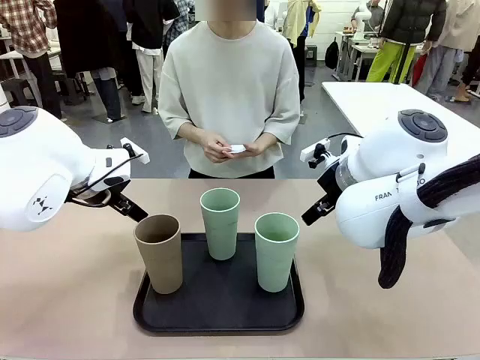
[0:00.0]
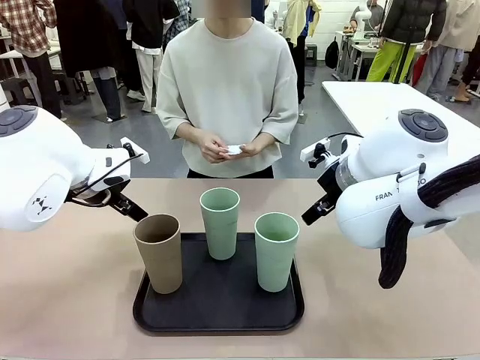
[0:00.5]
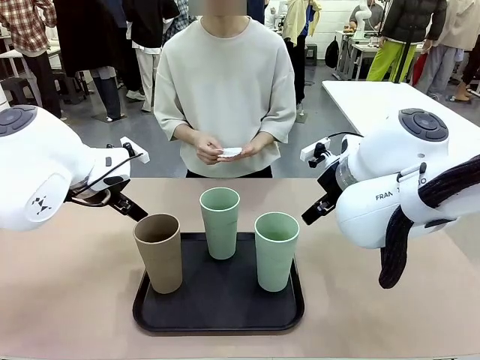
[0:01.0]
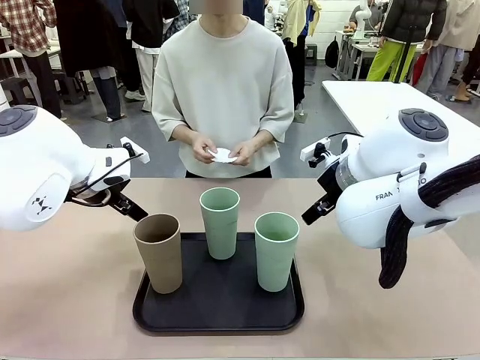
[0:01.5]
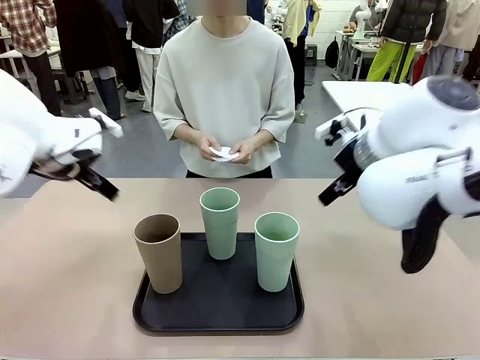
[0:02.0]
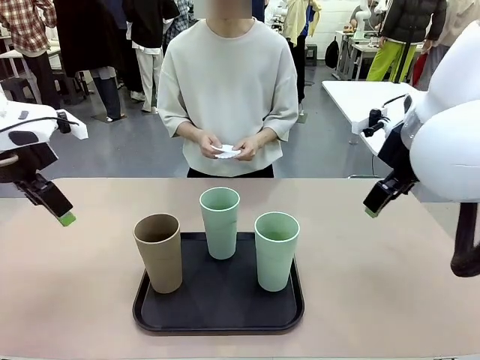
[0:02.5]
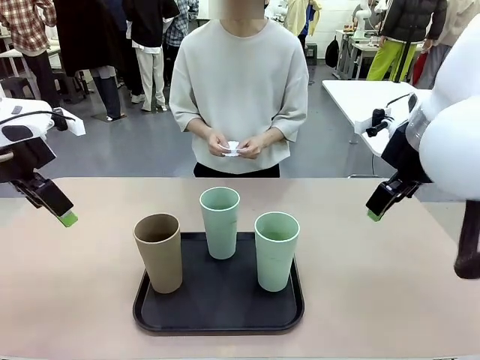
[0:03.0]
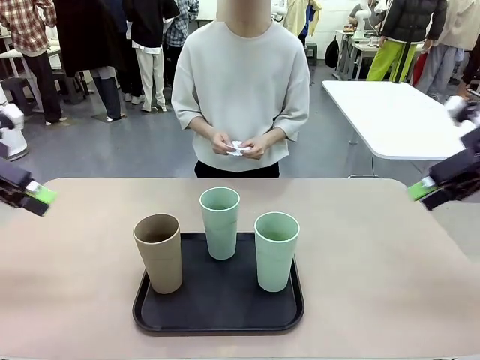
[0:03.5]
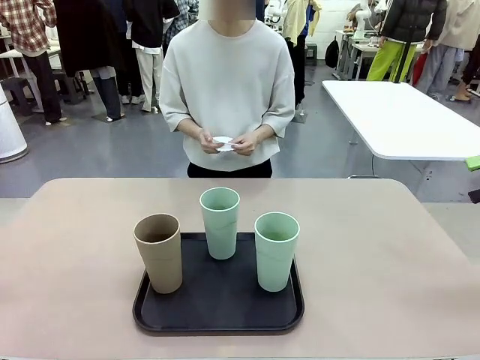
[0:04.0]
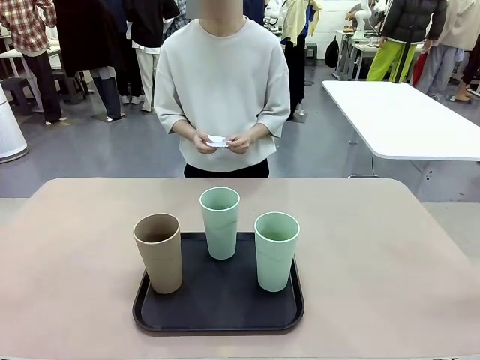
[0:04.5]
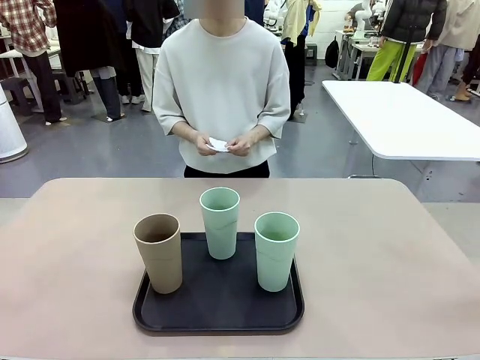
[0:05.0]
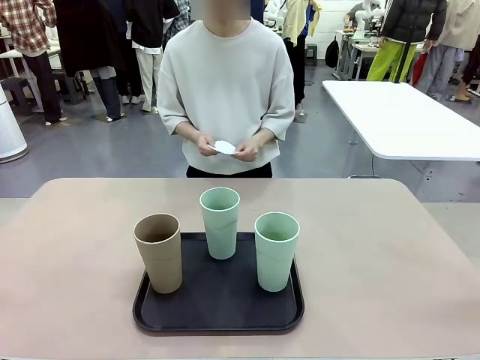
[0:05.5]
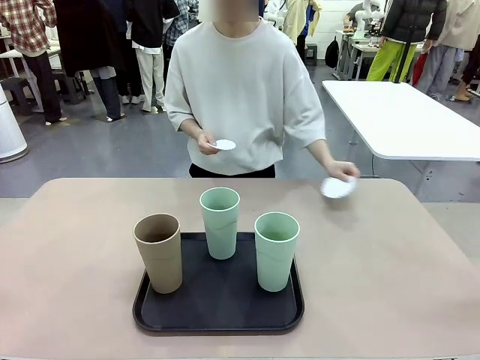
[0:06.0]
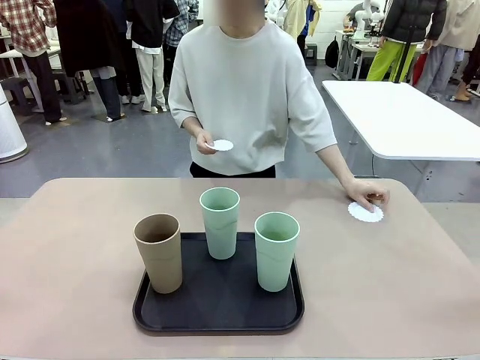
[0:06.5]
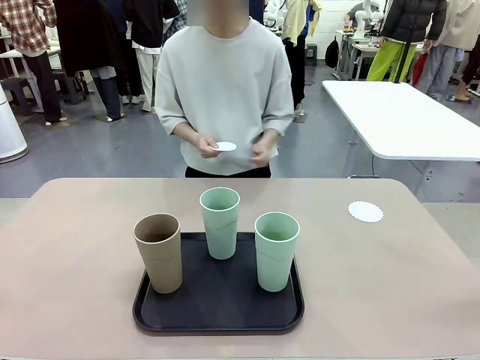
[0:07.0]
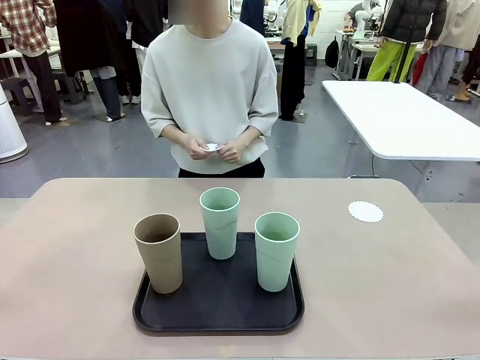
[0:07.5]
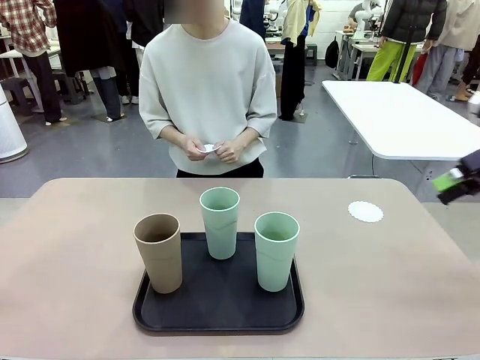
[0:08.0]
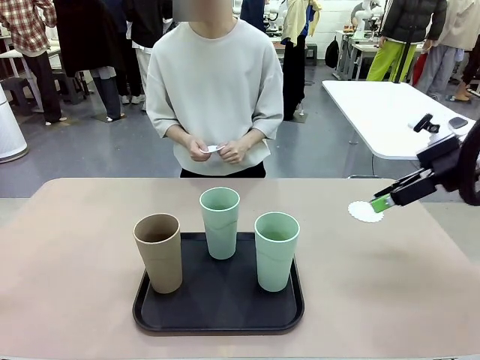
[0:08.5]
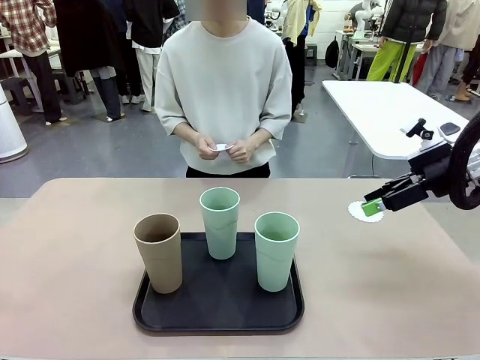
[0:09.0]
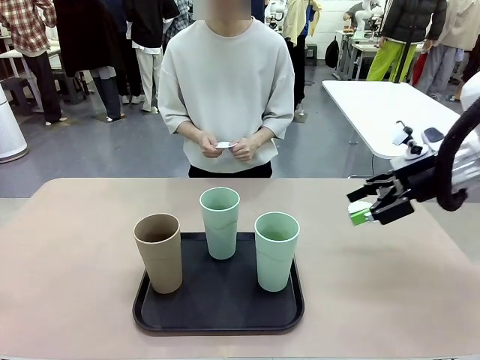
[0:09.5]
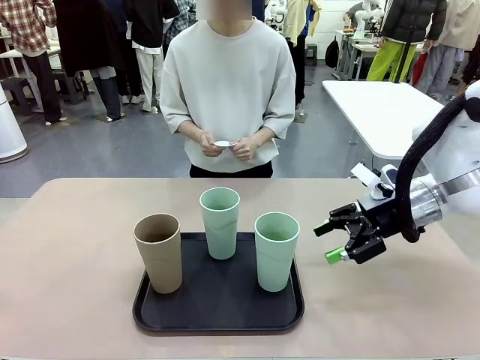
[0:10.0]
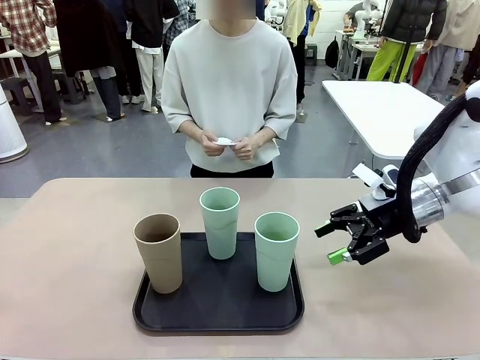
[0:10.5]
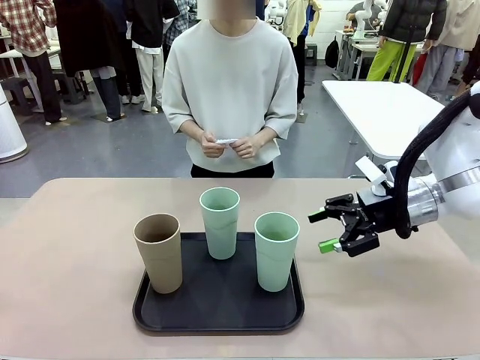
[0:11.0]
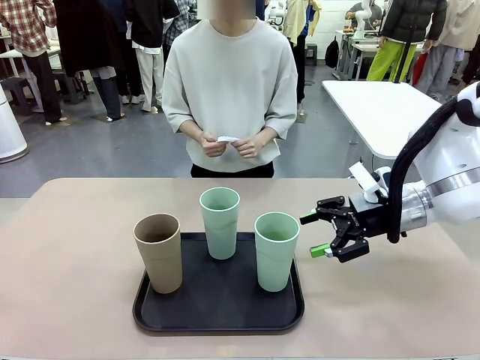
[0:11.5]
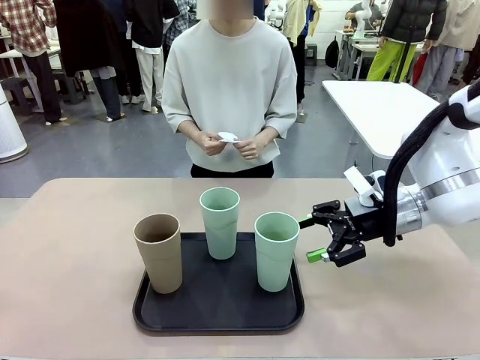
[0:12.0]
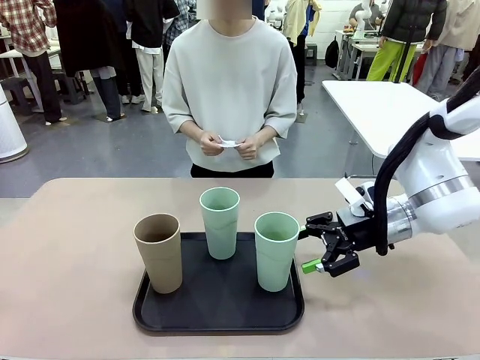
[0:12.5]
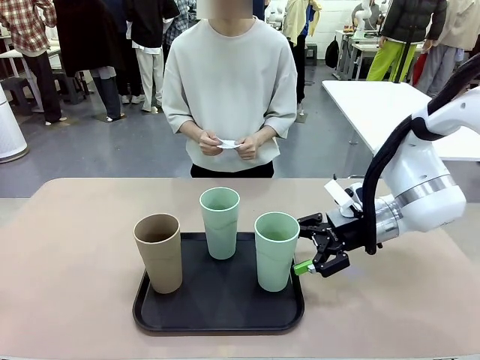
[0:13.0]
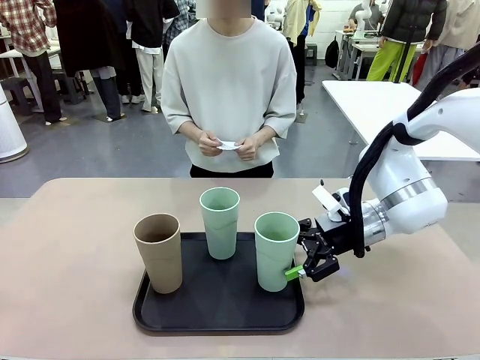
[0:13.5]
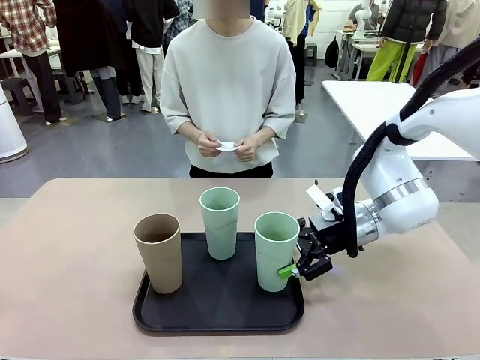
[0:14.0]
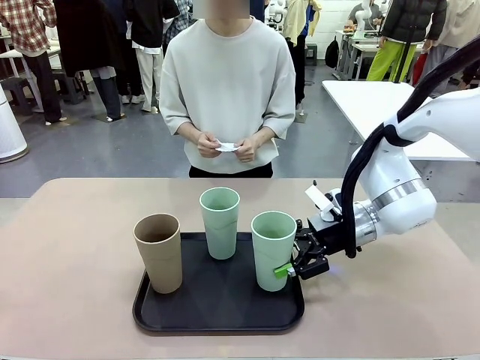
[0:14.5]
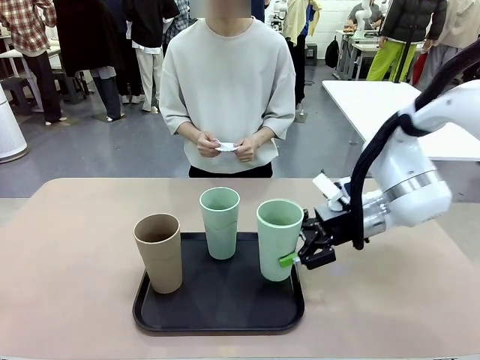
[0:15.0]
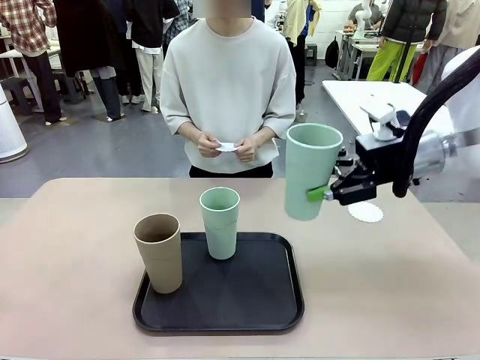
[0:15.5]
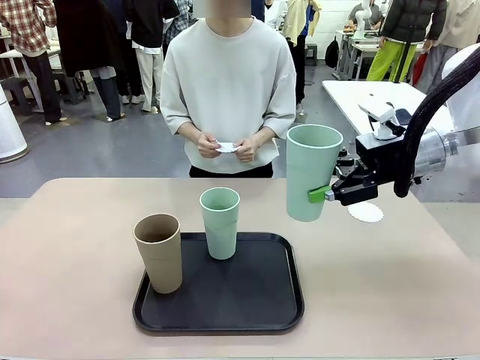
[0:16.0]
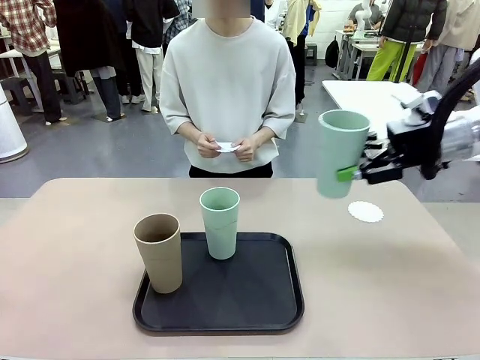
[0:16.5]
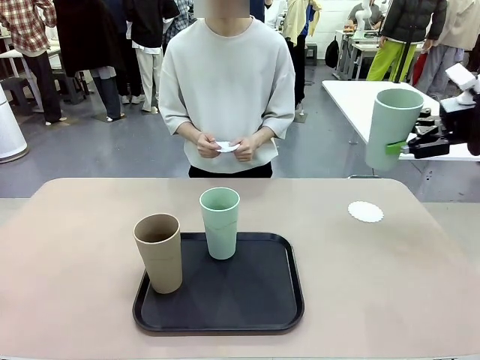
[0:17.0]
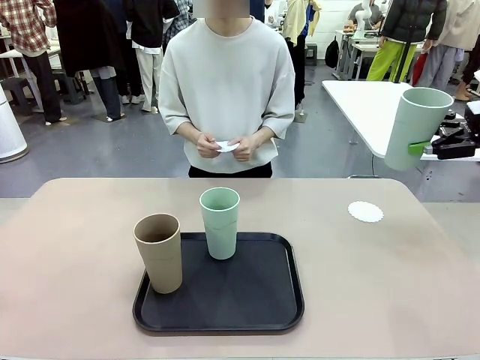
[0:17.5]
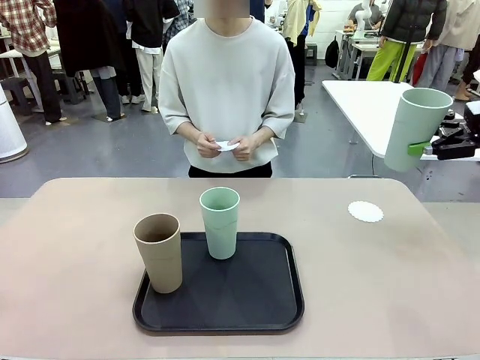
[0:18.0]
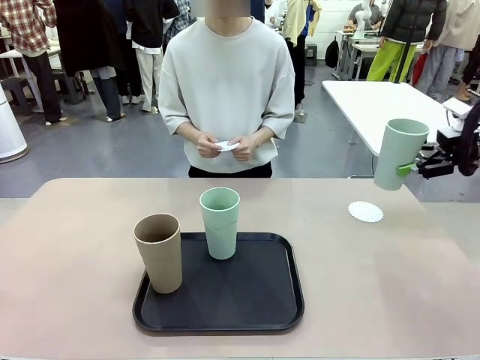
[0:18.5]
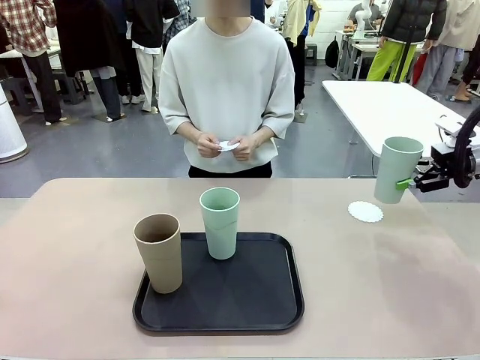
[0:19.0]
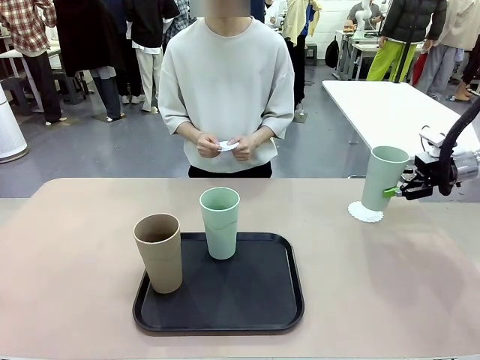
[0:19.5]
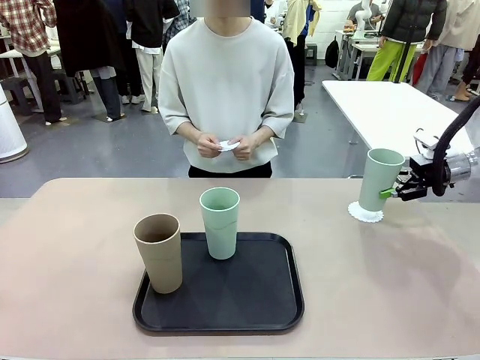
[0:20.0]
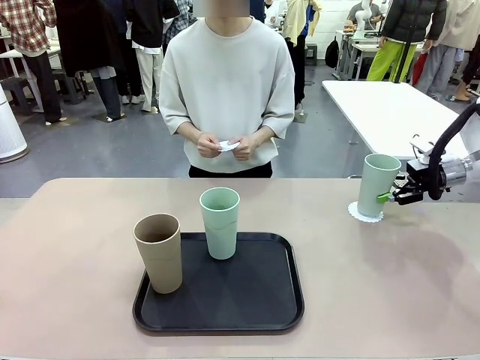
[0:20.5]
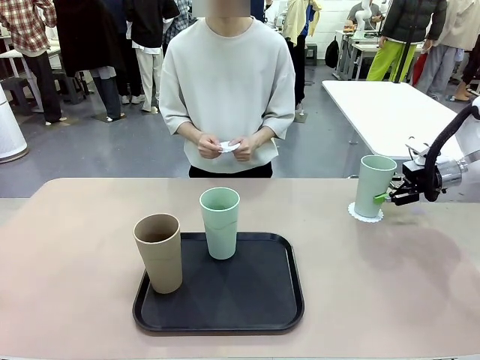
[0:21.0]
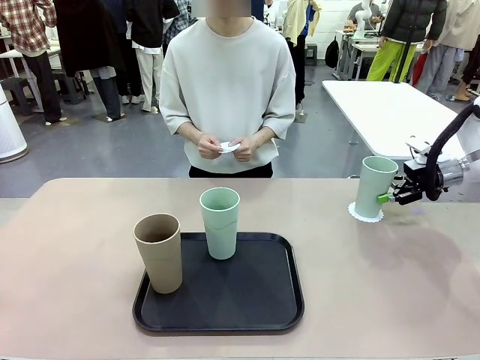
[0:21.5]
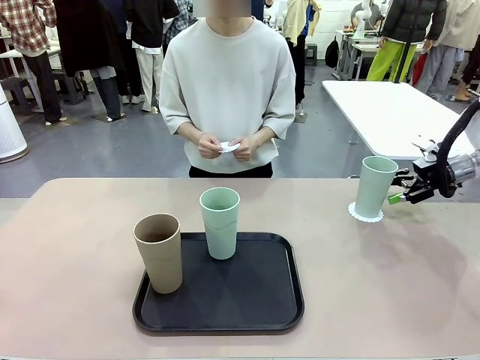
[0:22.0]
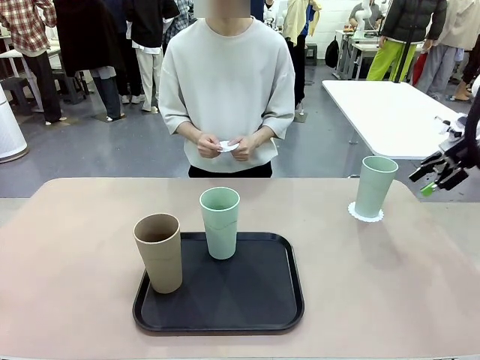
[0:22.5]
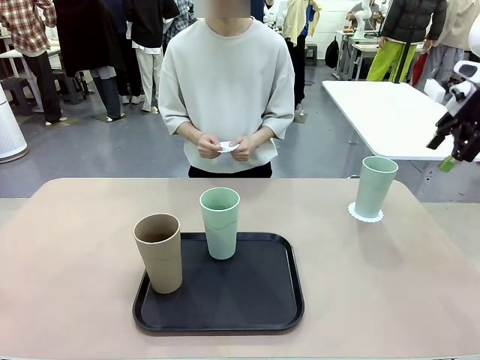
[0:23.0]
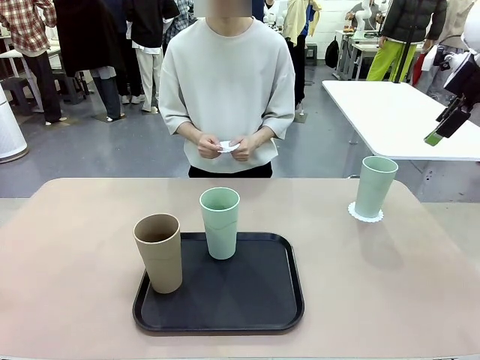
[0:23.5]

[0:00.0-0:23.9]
Task: Place coasters on the table and set cups on them.
Robot: Pick up one Reusable plastic cup and place it on a coaster set by the human.
Person: Place one coaster in any one of the three lower areas of the robot table (left, center, or right). Place one coaster in one of the two areas excluding the previously selected area.
